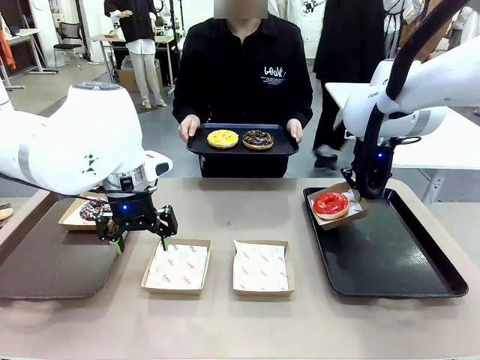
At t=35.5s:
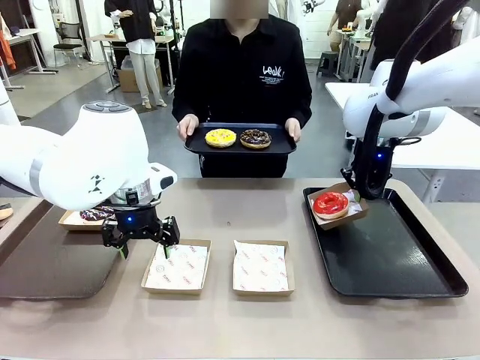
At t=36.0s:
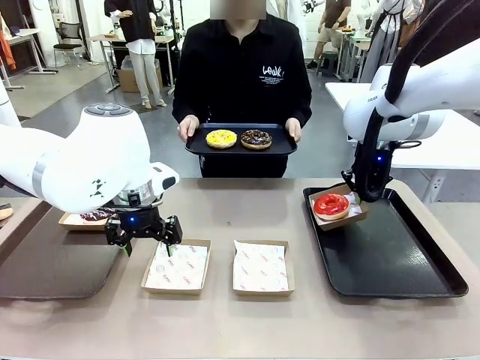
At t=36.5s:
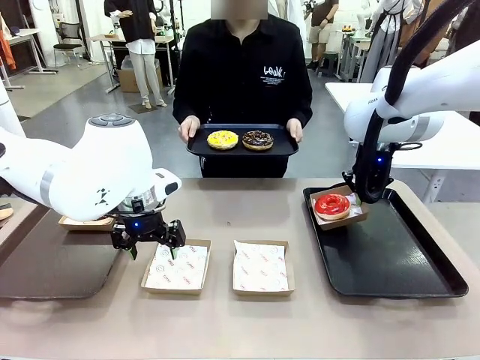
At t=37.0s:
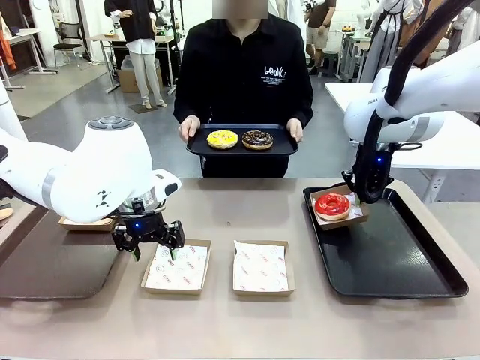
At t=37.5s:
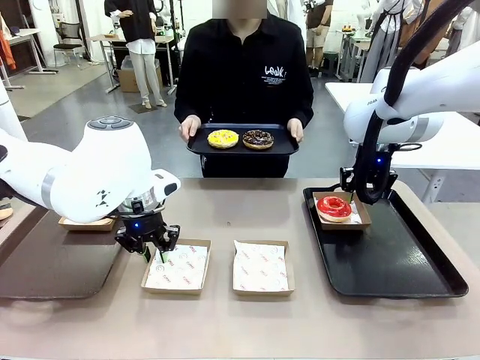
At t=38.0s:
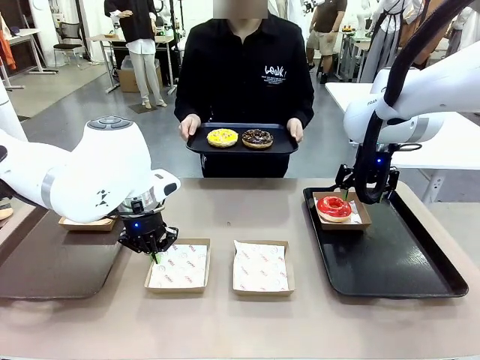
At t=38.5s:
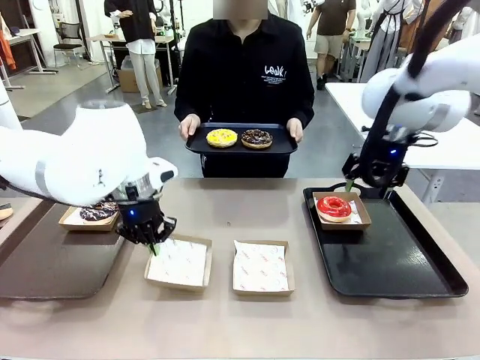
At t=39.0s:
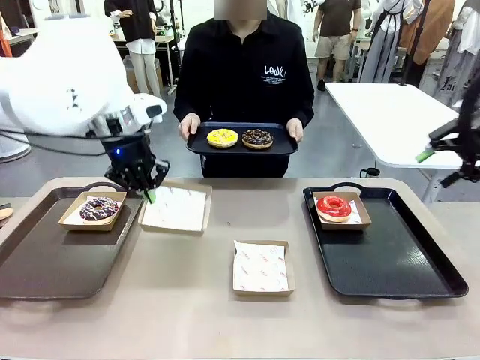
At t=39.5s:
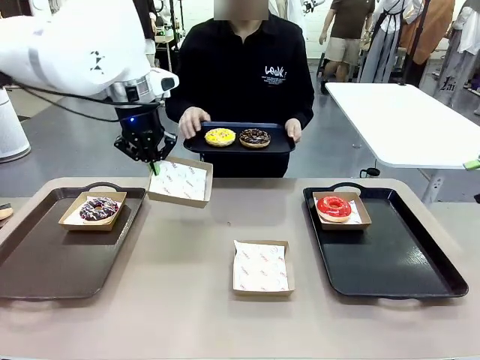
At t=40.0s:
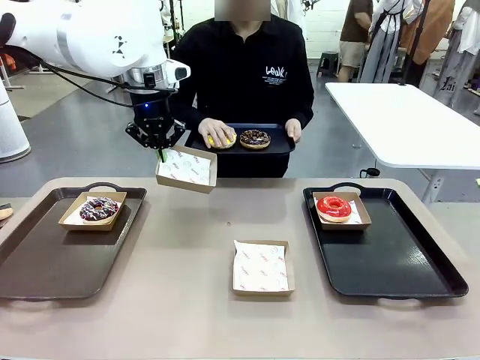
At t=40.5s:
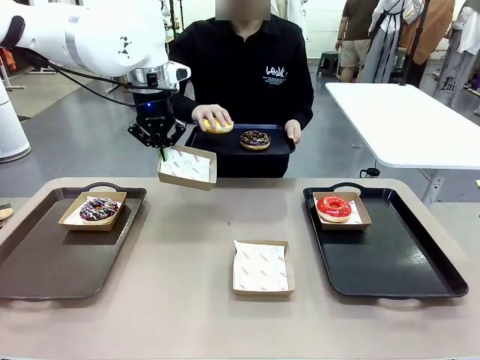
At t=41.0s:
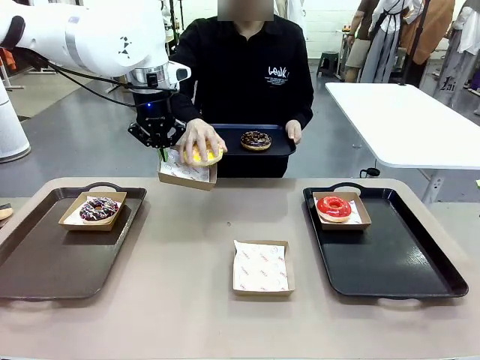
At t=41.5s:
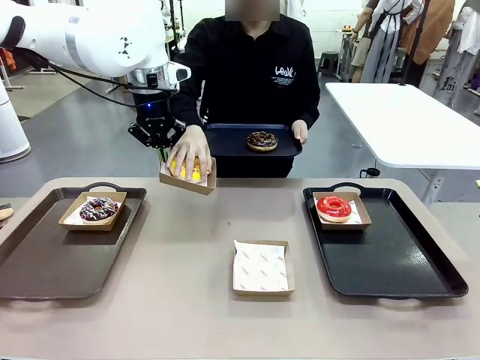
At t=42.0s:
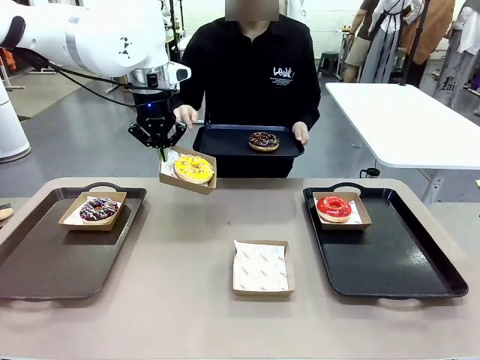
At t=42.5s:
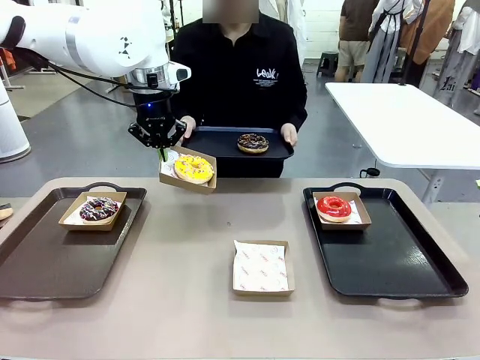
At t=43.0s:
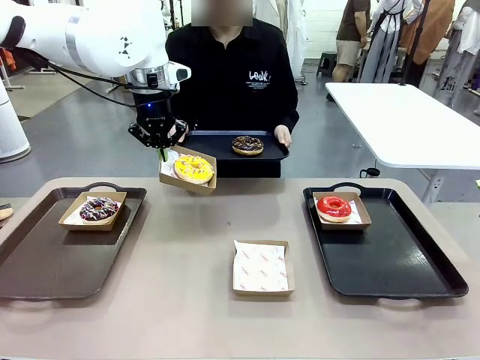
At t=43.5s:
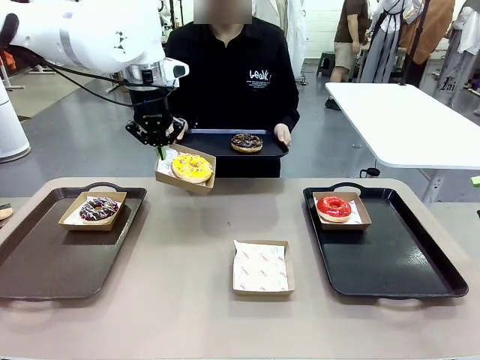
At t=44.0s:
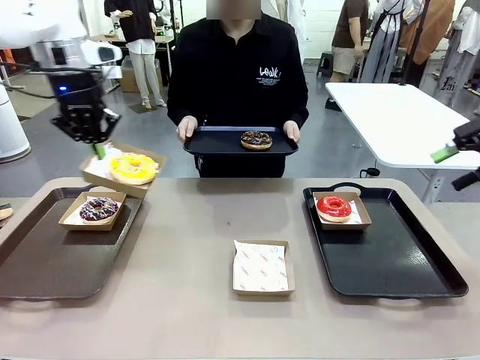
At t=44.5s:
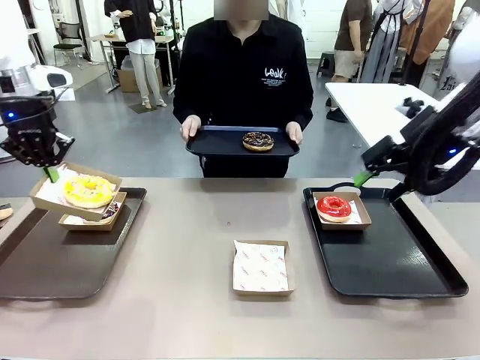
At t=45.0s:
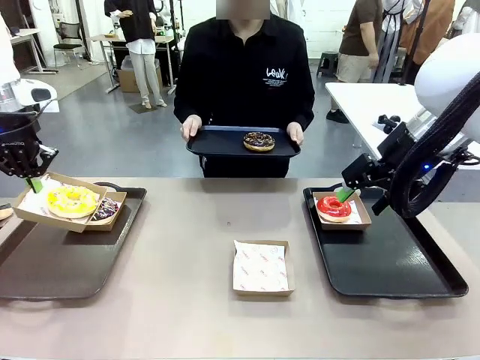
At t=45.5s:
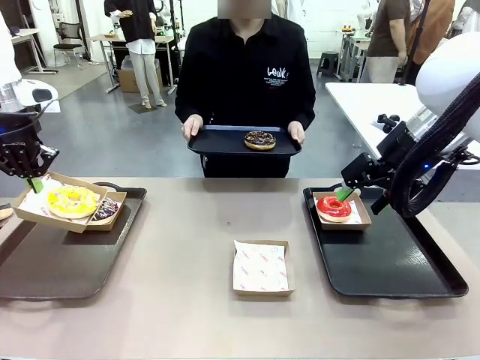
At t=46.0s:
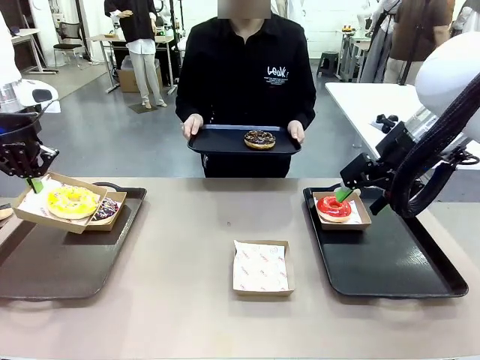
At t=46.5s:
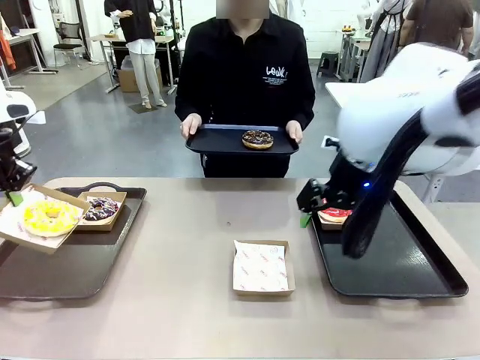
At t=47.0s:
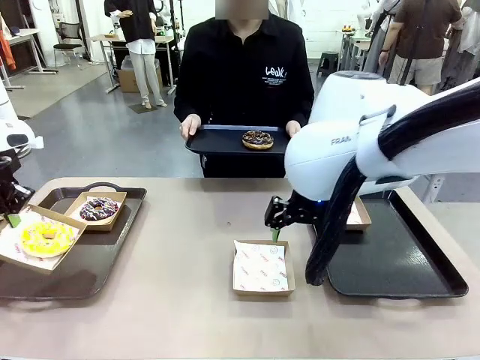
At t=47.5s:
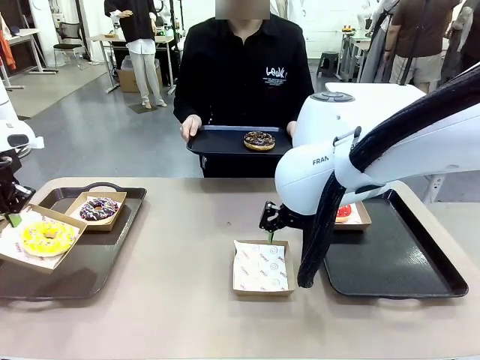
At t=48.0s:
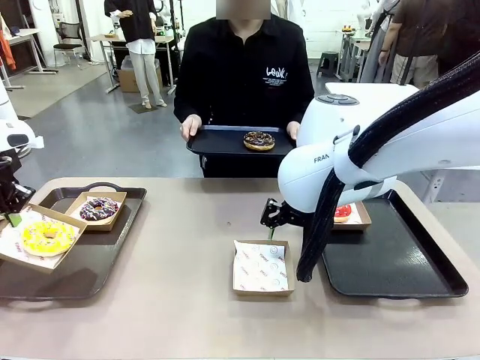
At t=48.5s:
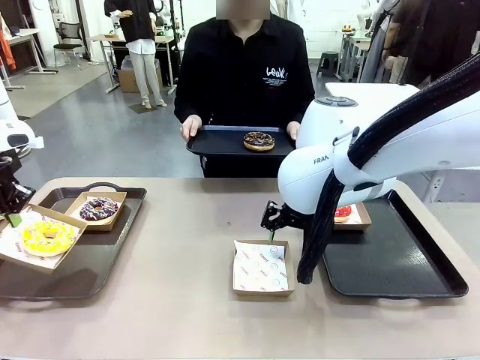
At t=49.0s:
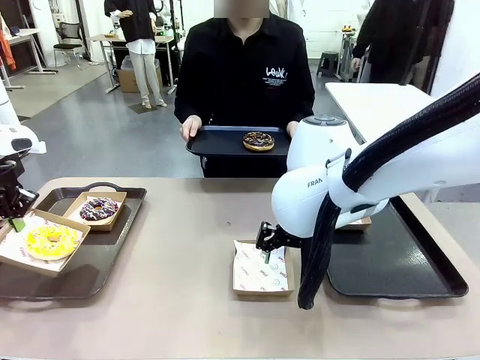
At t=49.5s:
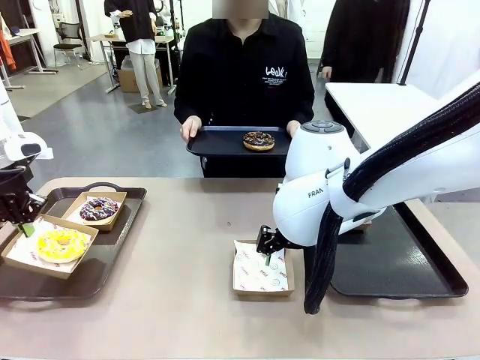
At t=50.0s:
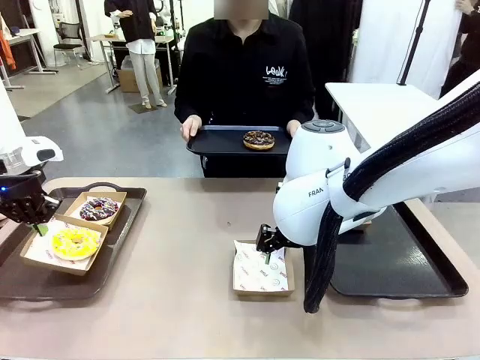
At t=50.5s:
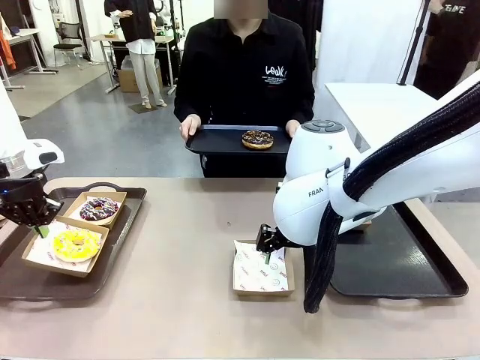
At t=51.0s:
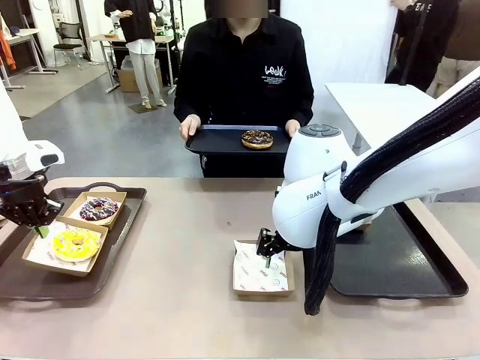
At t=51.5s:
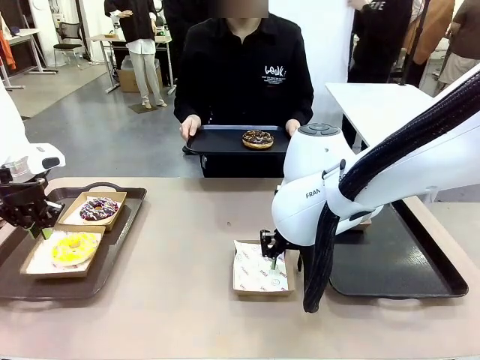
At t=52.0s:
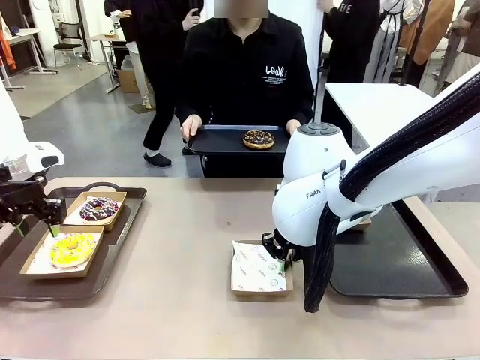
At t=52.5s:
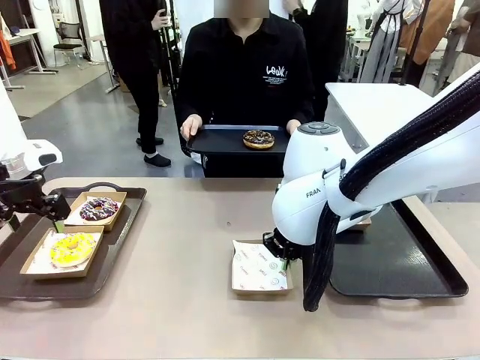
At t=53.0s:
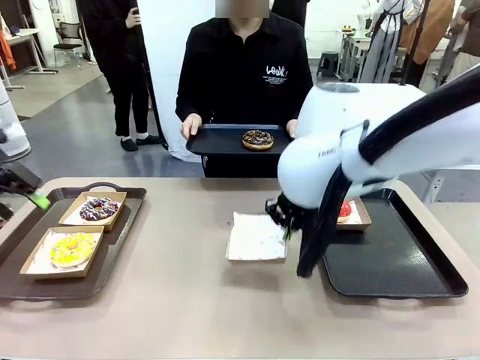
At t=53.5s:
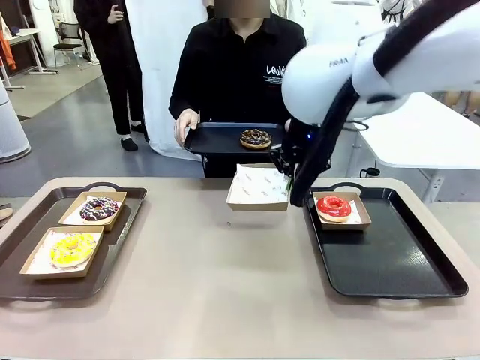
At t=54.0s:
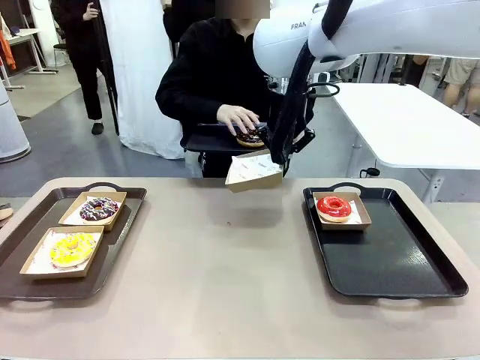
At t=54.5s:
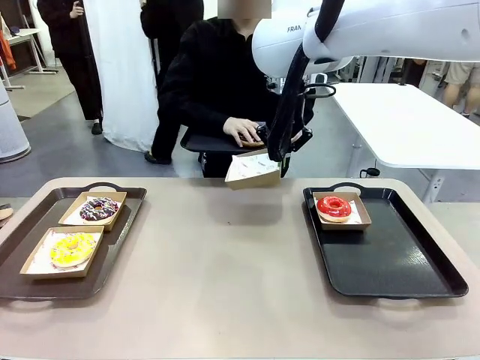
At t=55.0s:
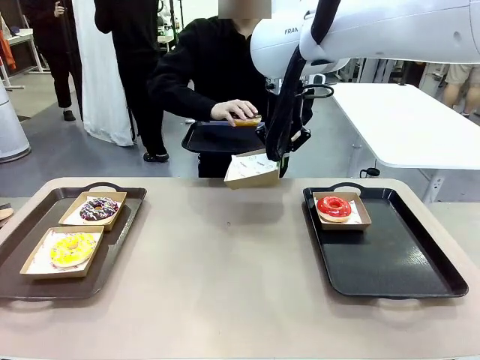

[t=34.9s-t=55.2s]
Task: Individually package the donuts and arrange them on the tray.
Robot: Place the picked Paper togo box on the Handle tray while simultaneously picking up another Paper togo box from the table with the other hand.

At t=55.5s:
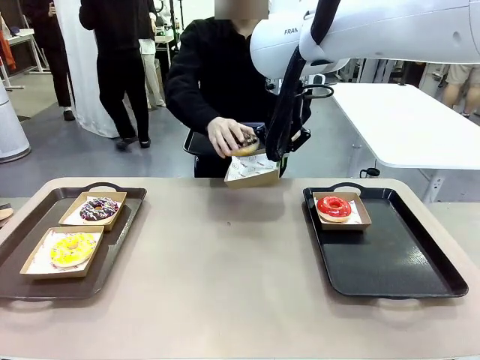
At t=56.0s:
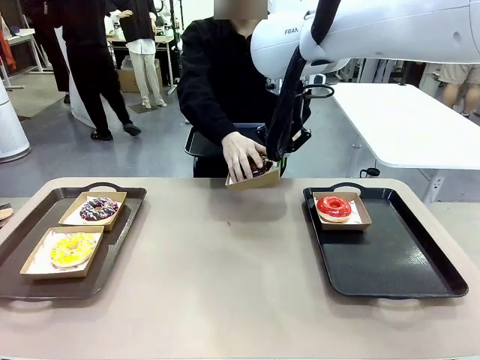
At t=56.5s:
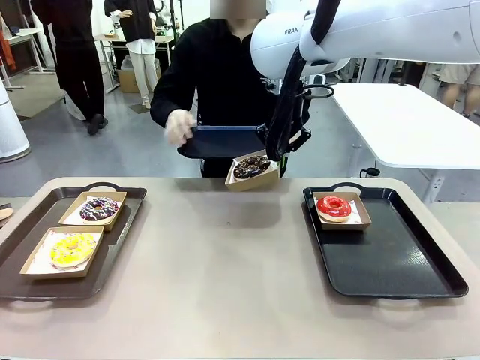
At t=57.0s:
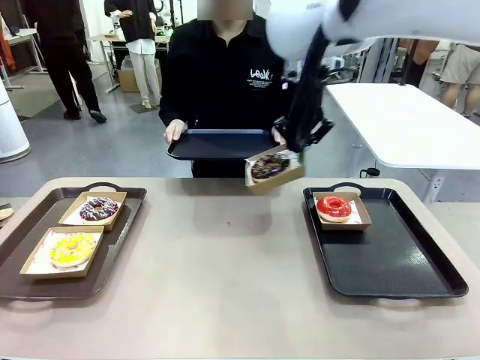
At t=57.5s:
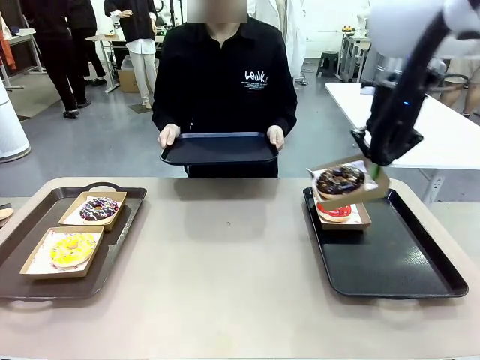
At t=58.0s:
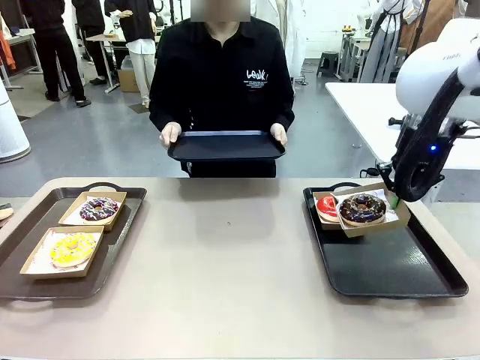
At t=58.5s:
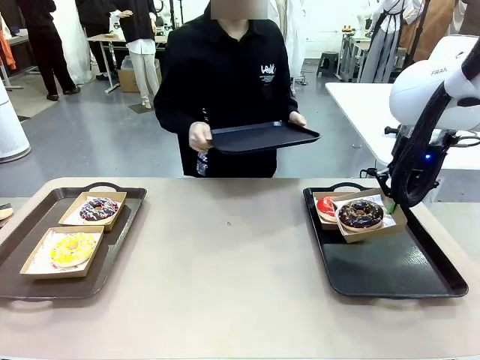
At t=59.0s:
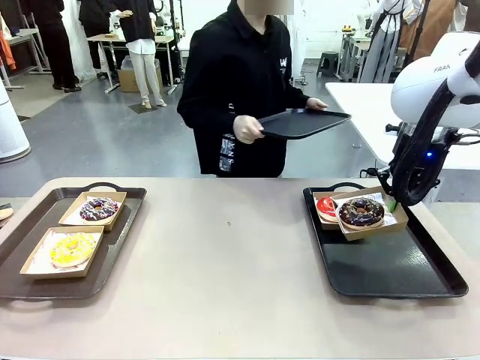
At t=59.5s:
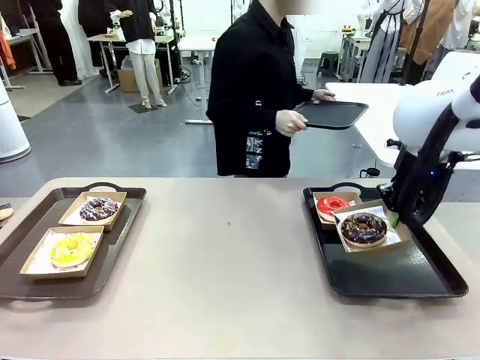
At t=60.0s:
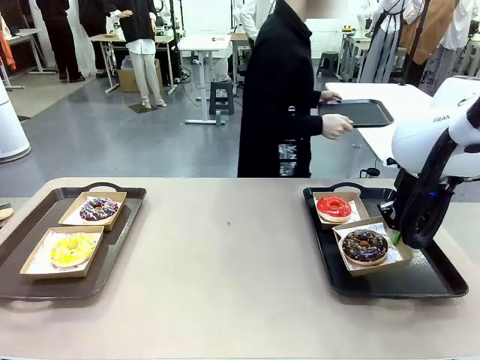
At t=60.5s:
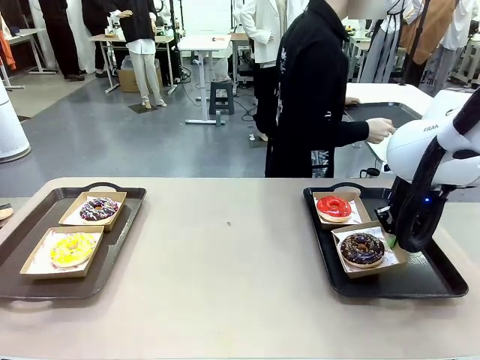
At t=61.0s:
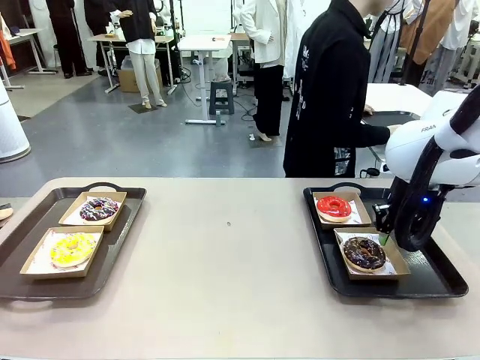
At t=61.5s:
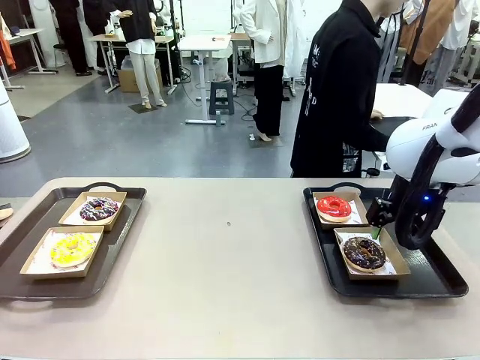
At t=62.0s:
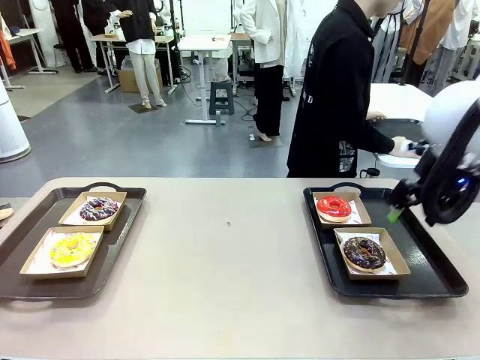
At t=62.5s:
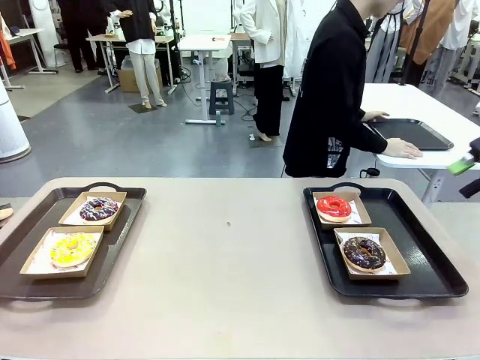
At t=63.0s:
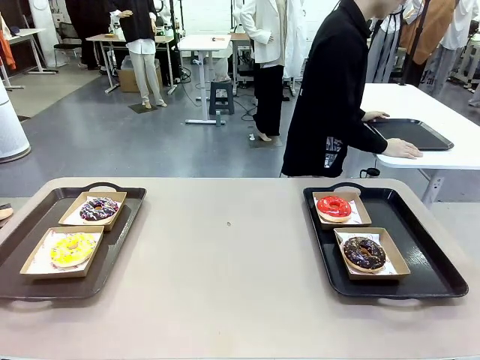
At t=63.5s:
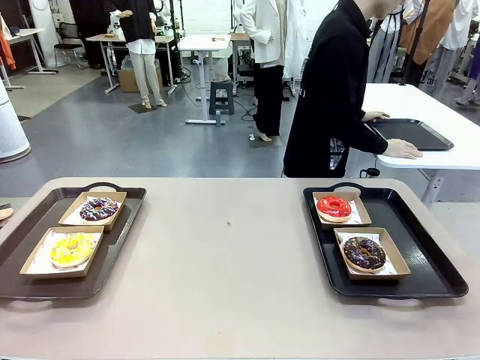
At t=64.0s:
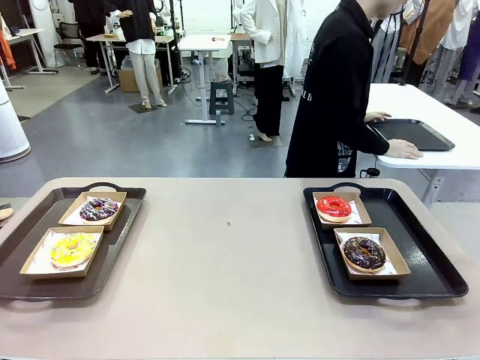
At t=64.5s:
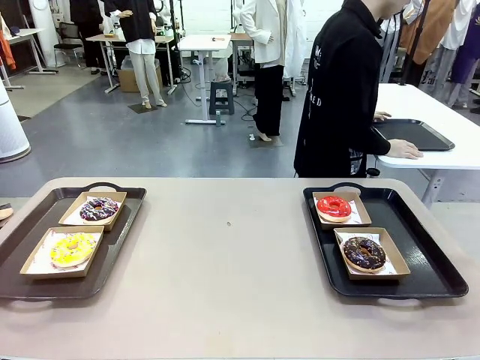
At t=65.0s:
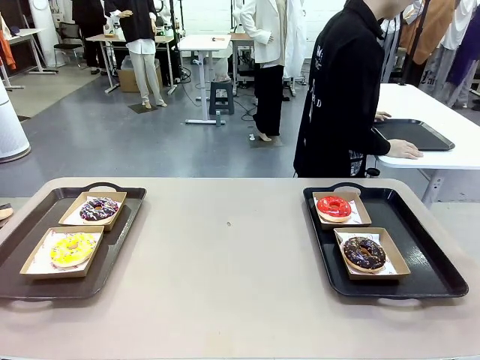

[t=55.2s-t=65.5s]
Robot: Place the picked Paper togo box on the Handle tray.
Person: Place the tray down in the middle of the human table.
